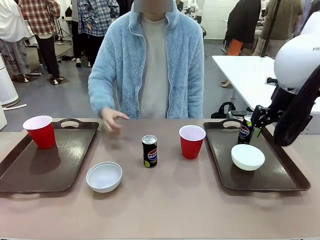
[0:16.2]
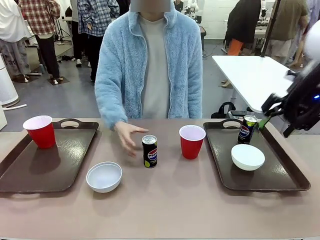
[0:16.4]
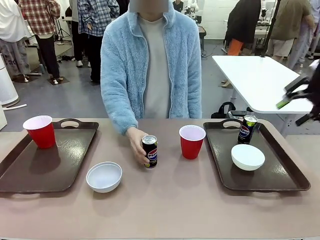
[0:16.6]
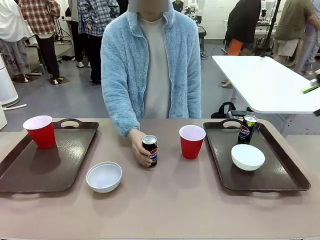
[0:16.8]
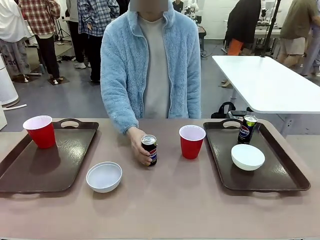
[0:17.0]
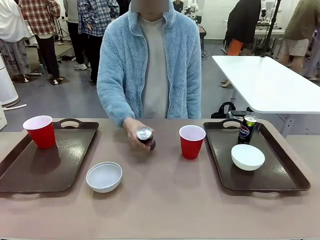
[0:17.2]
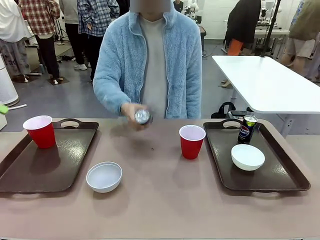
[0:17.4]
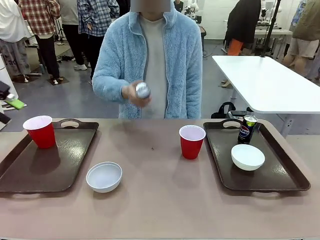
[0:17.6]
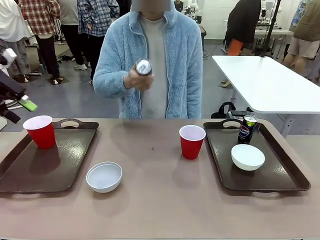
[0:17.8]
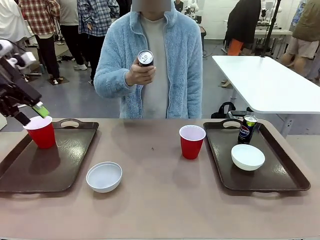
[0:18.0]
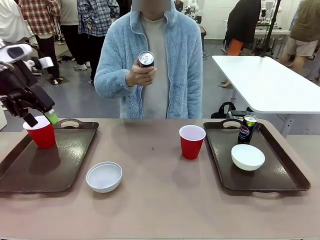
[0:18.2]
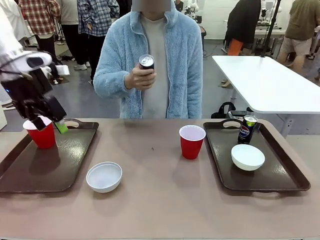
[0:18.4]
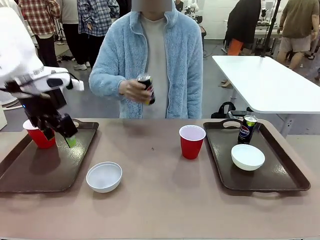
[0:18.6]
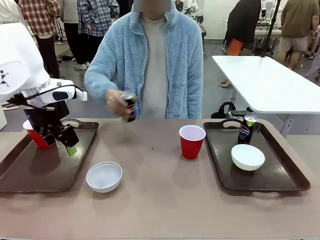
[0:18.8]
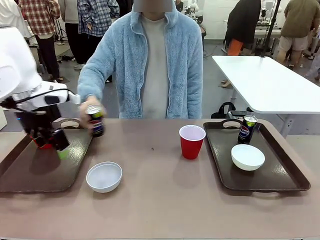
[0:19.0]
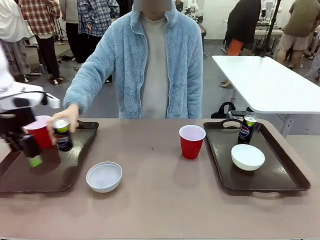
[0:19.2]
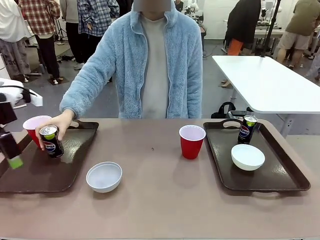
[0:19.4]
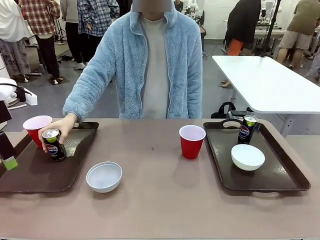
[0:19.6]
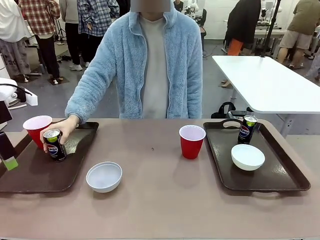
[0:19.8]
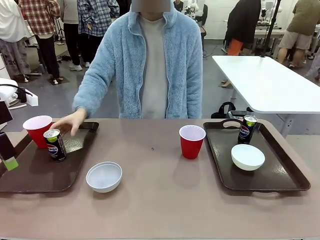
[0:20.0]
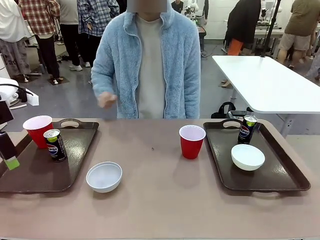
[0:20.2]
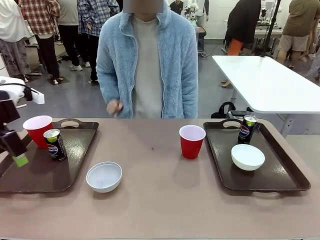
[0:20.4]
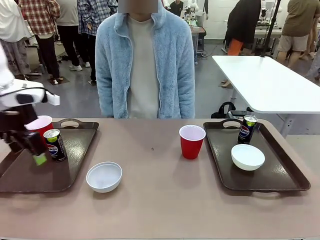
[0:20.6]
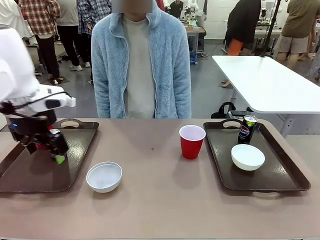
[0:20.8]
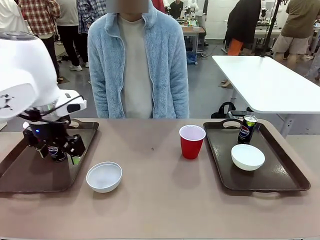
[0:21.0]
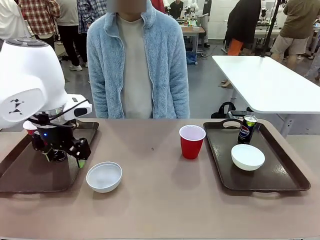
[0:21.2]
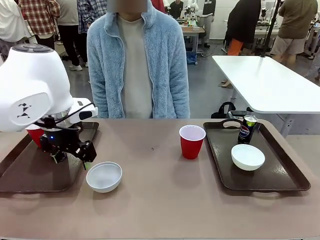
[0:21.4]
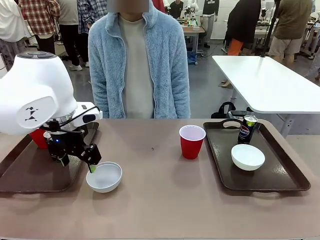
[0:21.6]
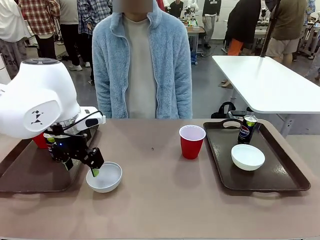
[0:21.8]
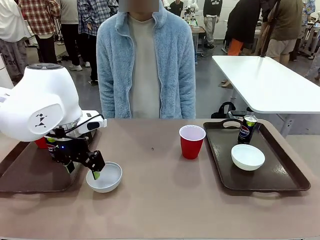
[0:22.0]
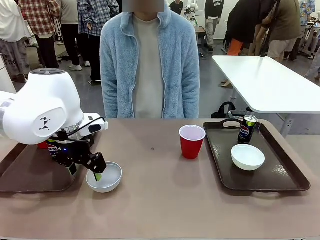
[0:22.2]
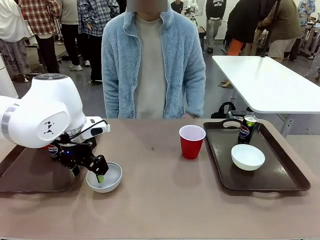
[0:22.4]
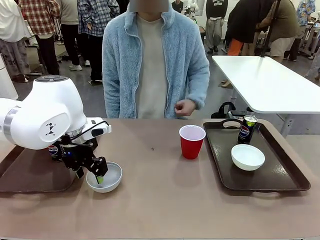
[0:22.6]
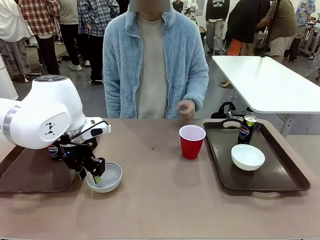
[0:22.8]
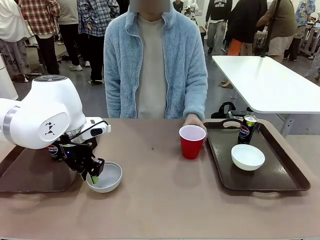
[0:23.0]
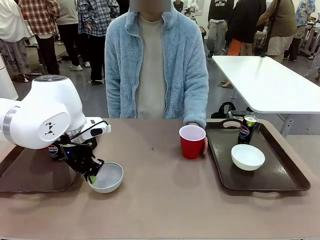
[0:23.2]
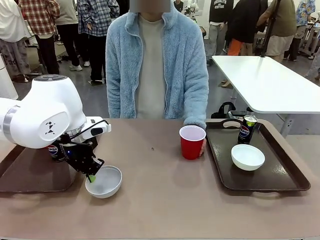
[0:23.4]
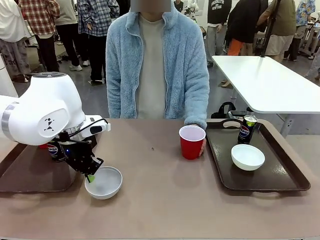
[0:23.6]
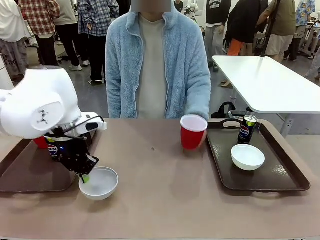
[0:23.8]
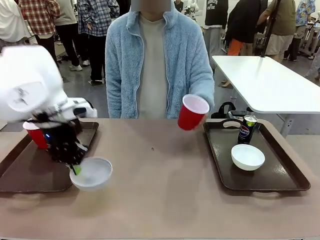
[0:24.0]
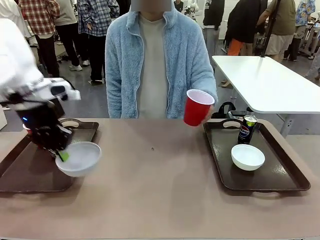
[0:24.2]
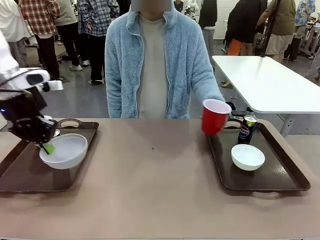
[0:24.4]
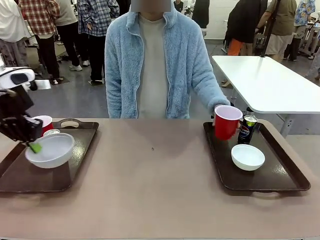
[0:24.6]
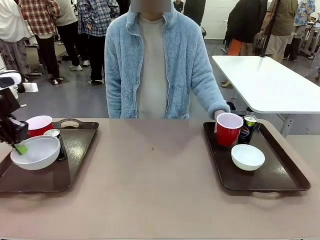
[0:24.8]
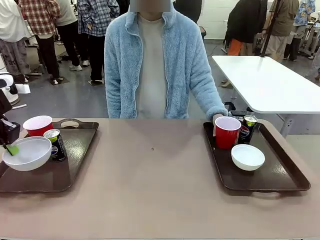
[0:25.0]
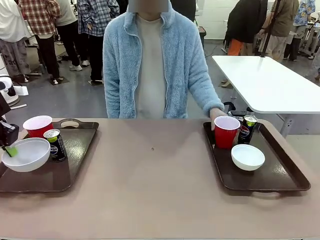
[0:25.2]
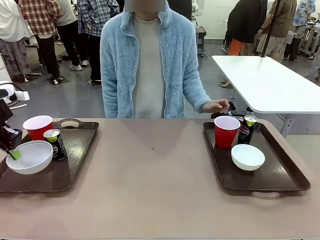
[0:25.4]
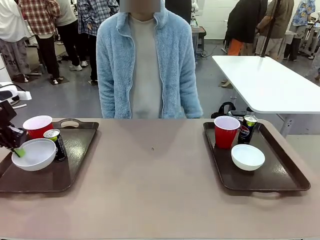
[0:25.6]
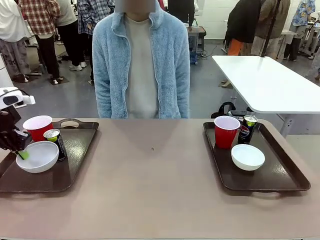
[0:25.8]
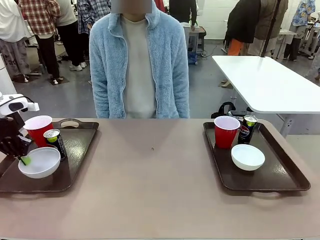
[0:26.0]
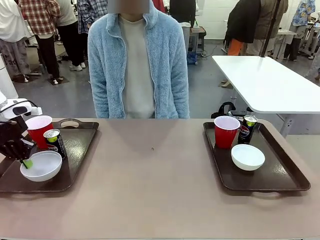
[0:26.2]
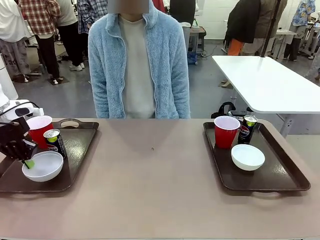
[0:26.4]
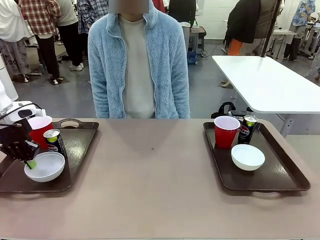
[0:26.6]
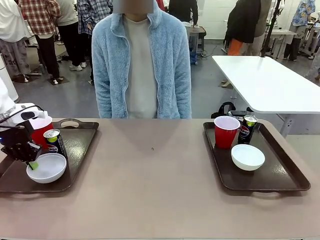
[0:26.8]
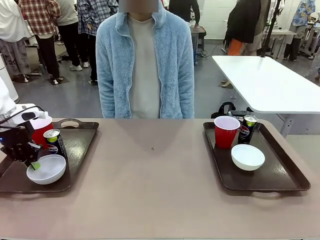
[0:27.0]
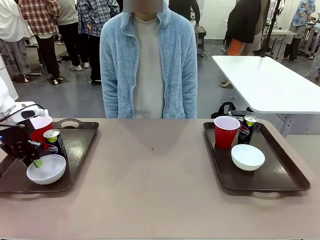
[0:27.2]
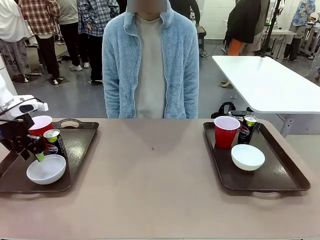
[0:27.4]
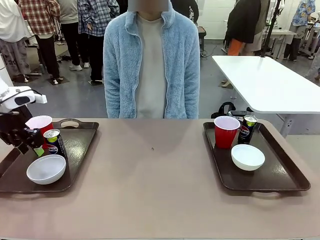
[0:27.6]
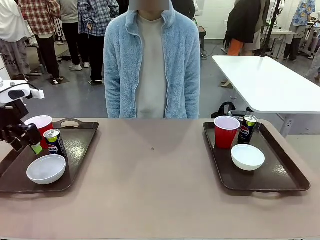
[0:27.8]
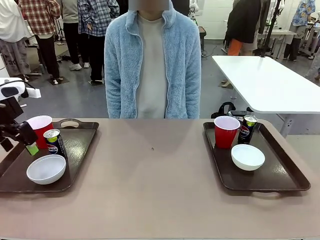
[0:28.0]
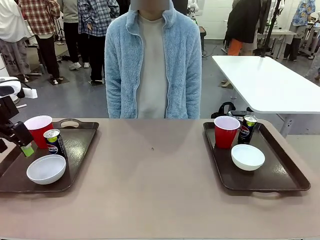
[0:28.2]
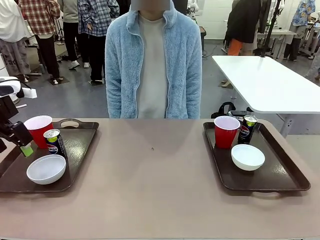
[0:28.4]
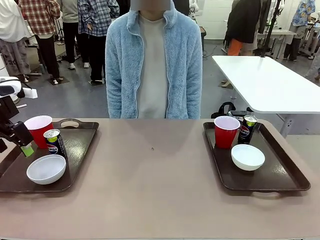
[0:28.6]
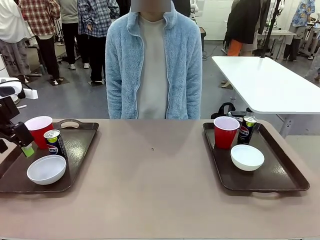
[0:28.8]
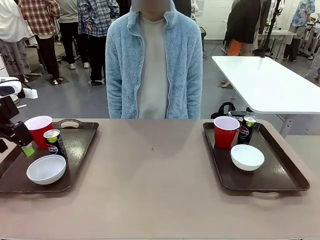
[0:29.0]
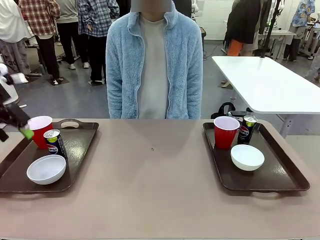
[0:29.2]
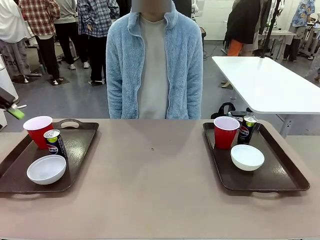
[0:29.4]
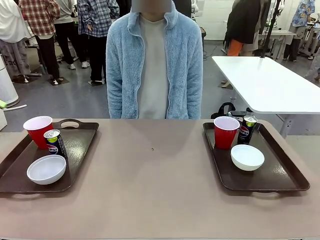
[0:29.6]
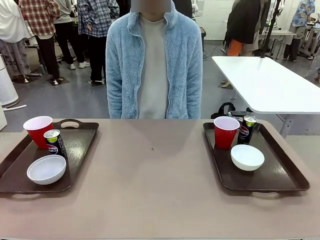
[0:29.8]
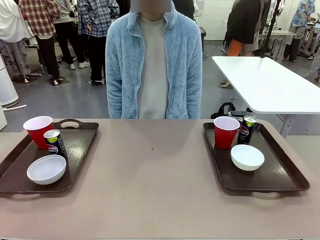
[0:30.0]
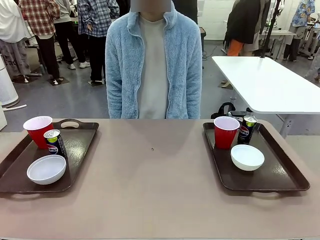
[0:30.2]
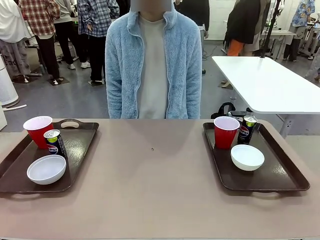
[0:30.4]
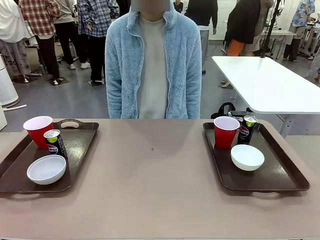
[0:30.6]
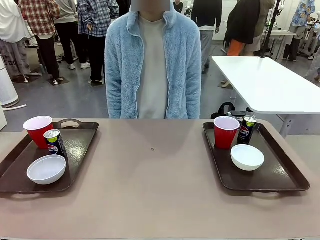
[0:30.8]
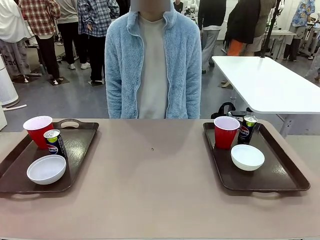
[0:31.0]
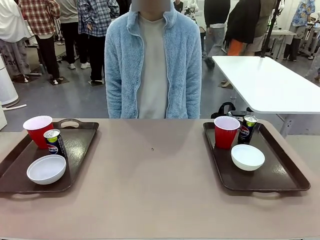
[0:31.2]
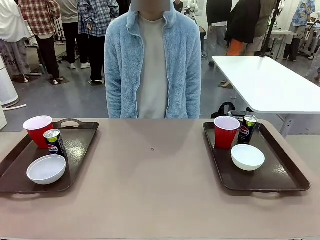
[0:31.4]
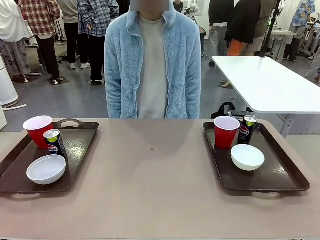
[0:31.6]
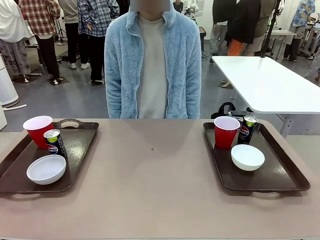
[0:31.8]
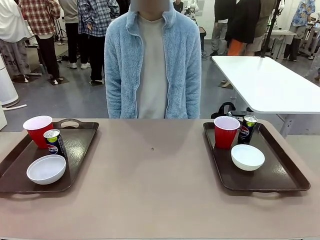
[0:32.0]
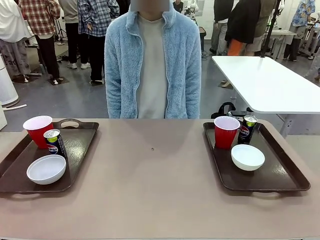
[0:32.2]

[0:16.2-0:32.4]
Task: Prepare tableware on both trays.
Robot: Pick up a Picnic Bowl from the table and place it on a Handle tray.
Person: Pick up a can or cup and place it on the tray without a can or cup.
